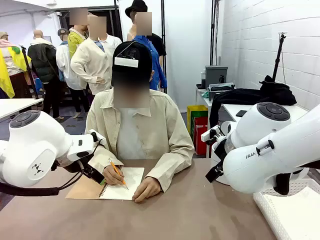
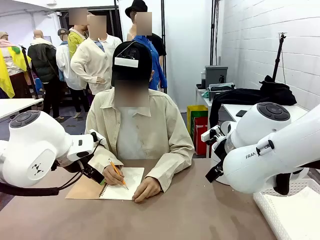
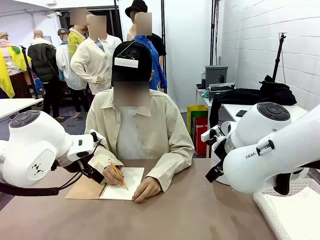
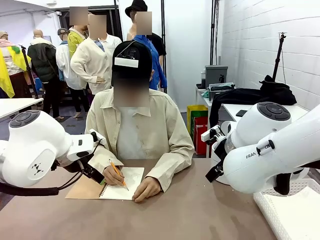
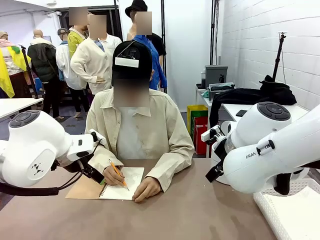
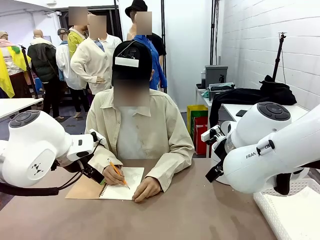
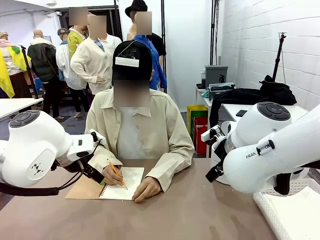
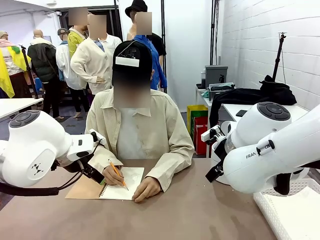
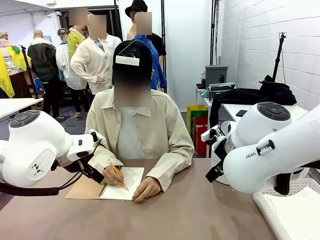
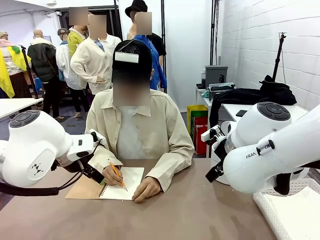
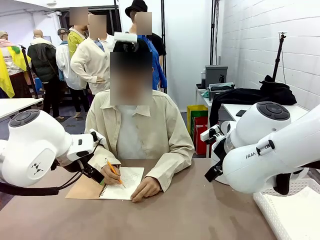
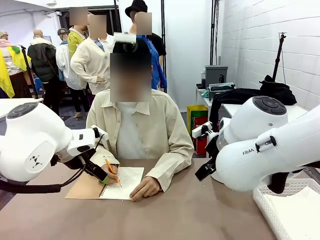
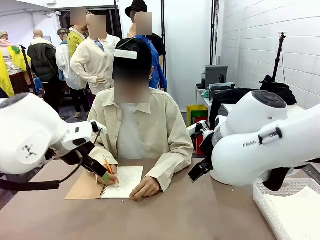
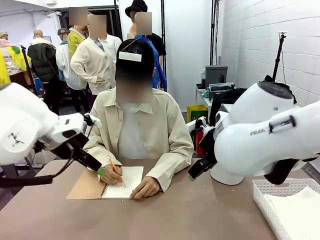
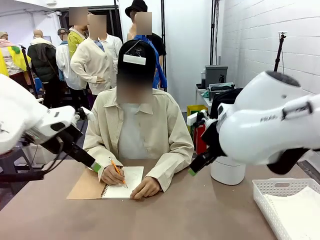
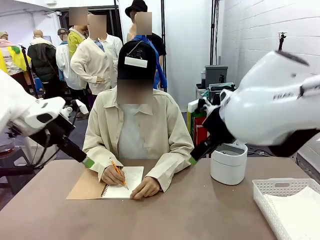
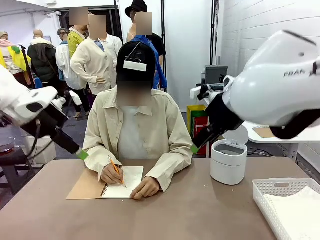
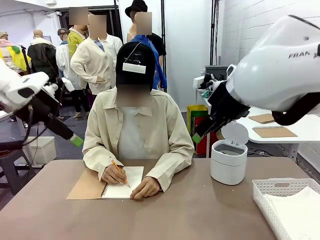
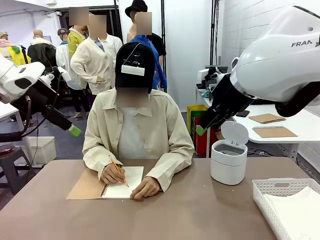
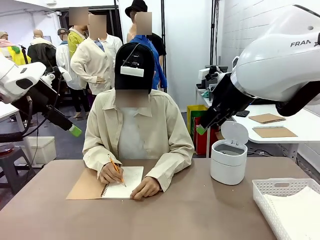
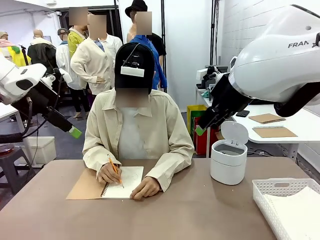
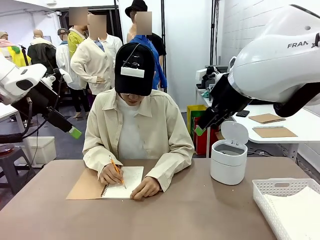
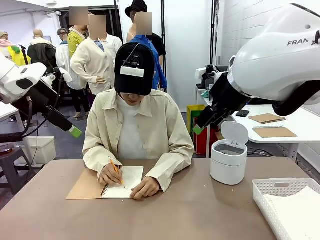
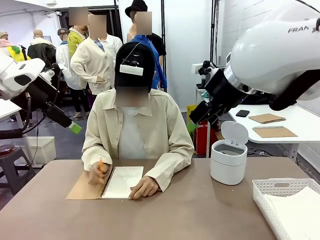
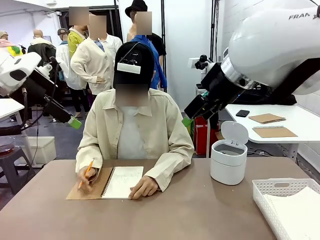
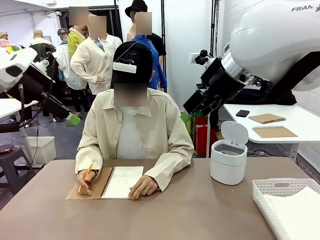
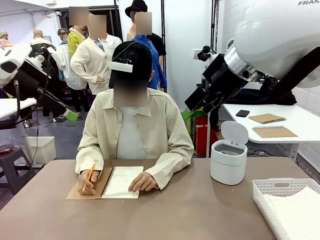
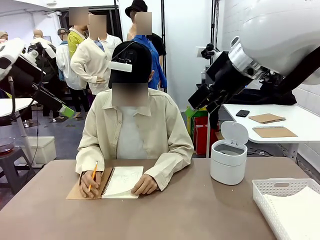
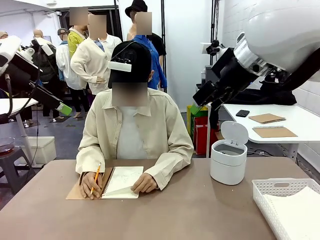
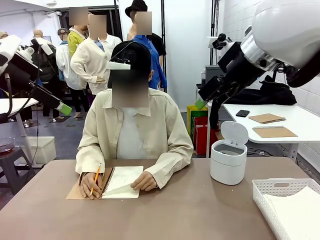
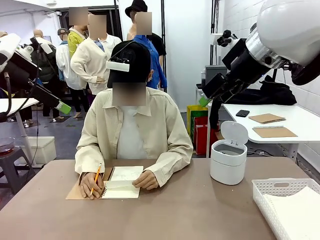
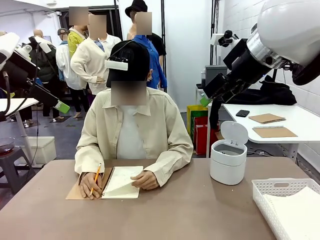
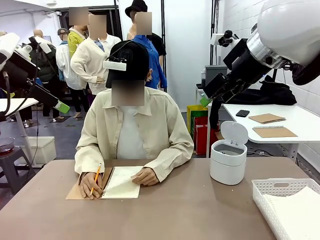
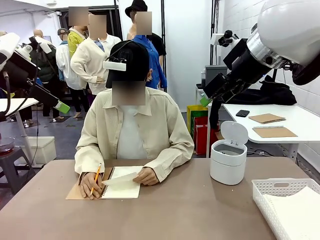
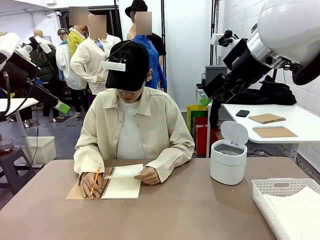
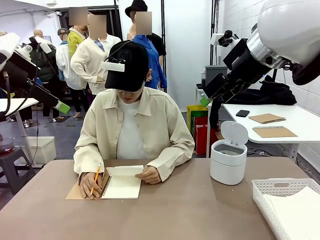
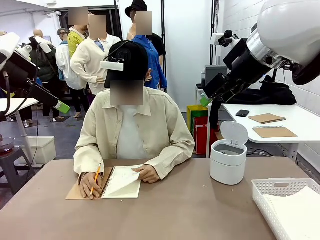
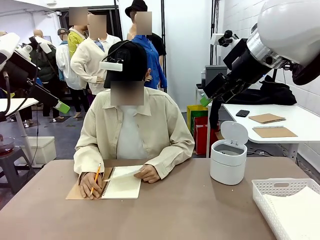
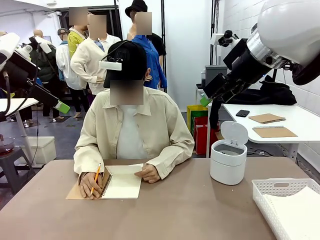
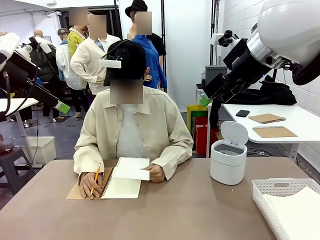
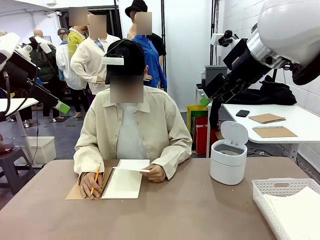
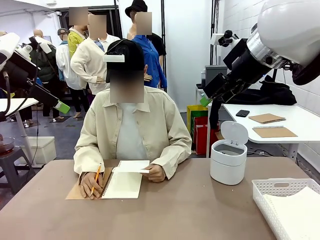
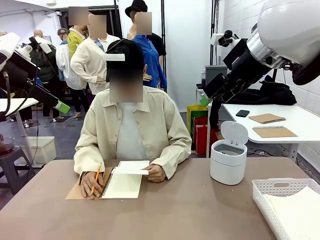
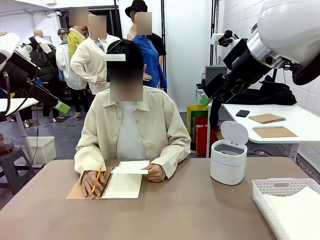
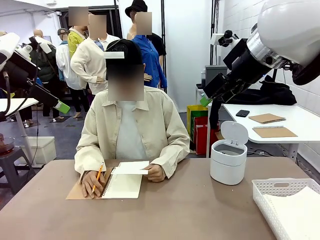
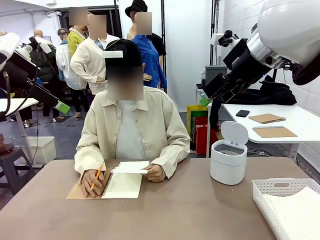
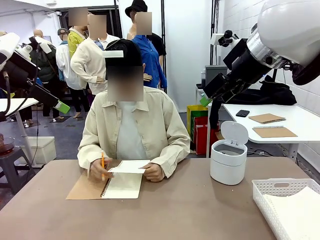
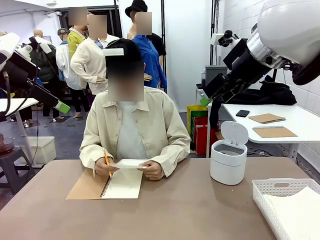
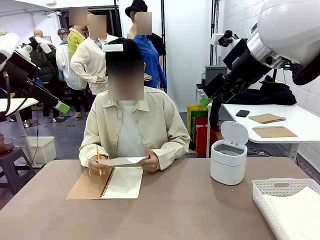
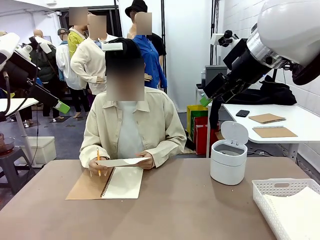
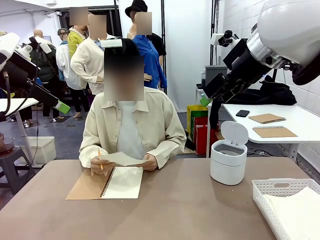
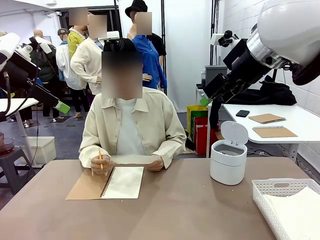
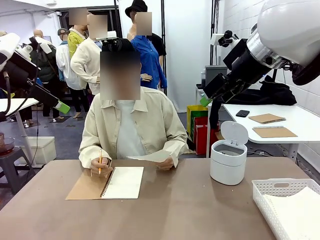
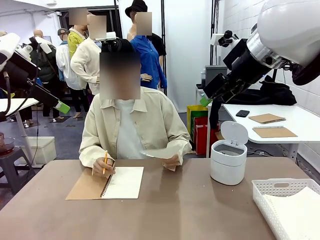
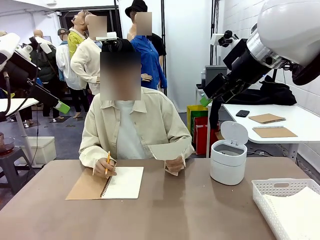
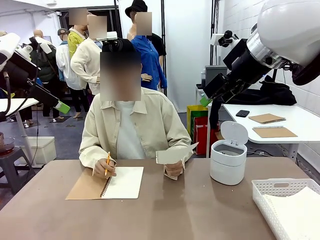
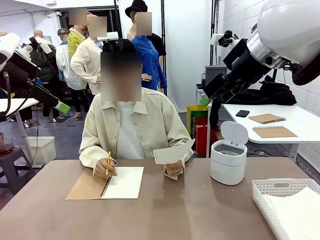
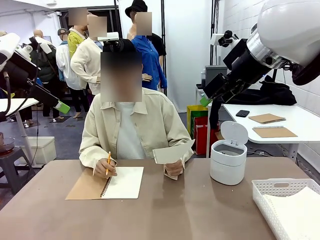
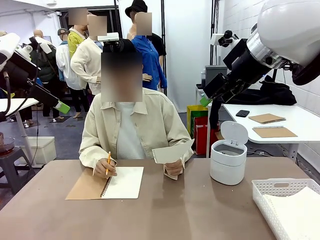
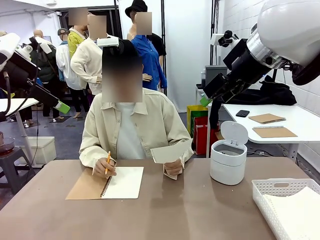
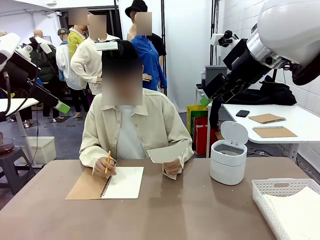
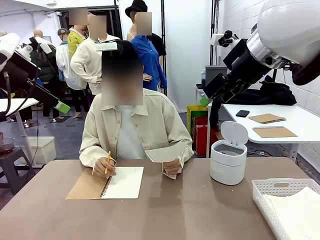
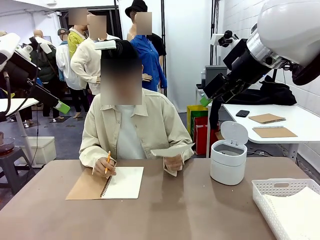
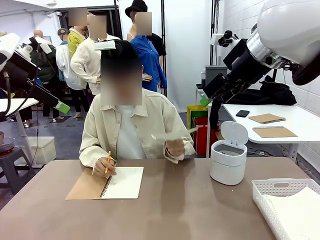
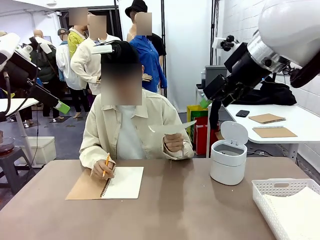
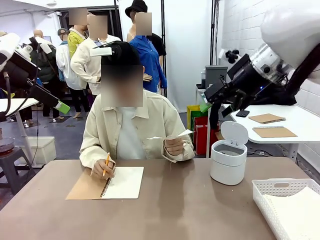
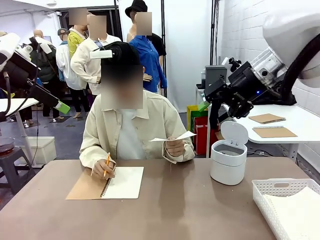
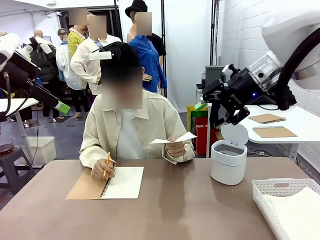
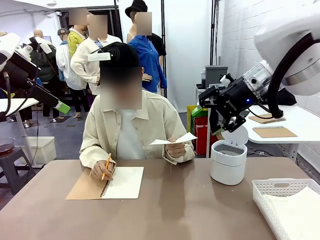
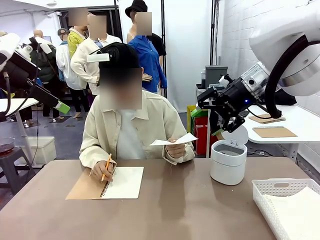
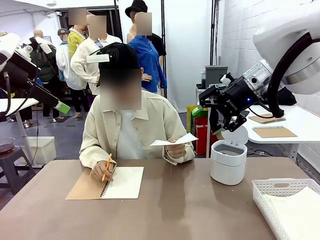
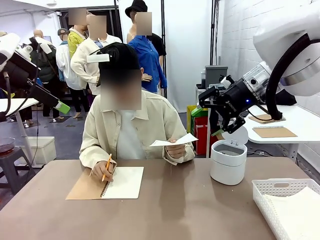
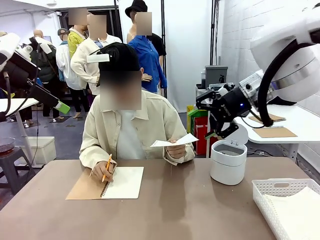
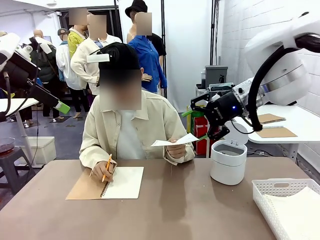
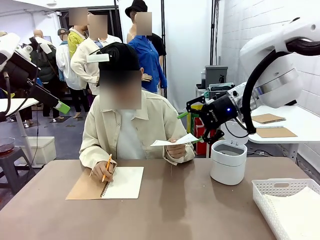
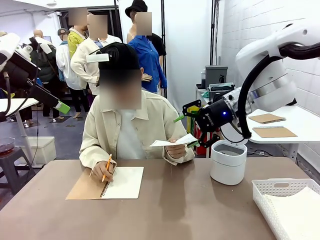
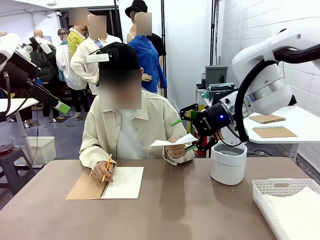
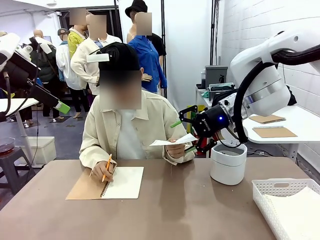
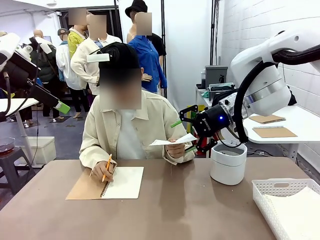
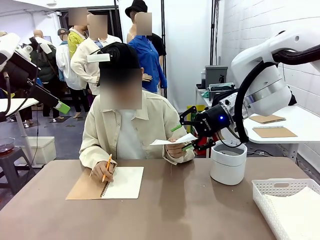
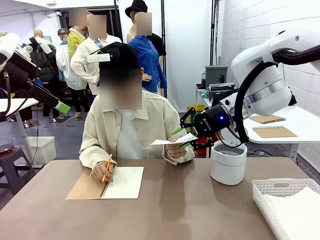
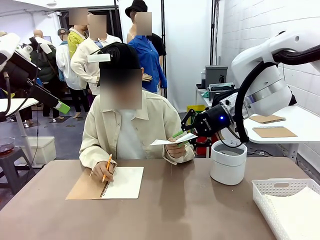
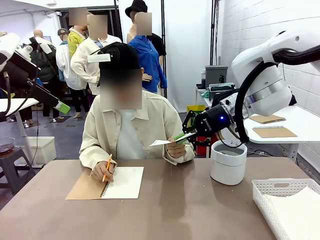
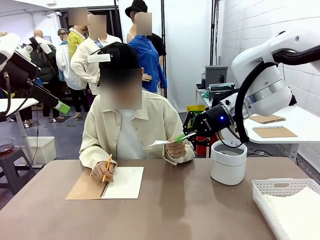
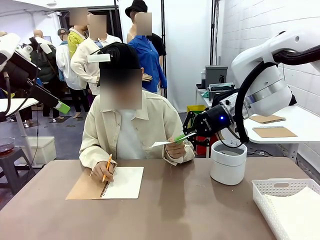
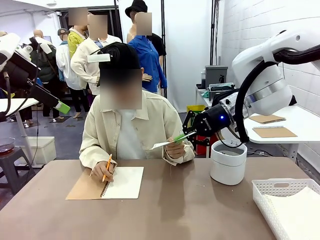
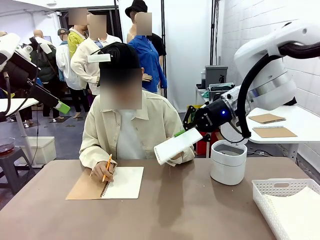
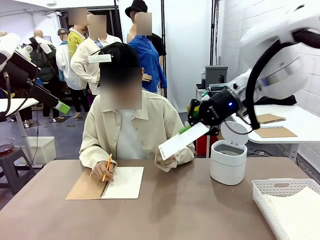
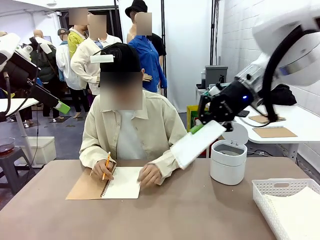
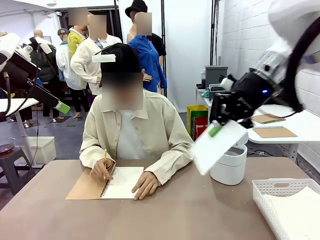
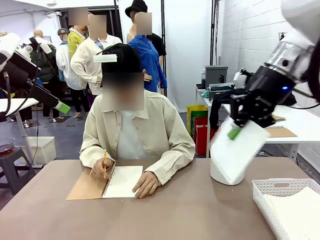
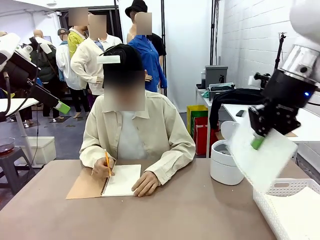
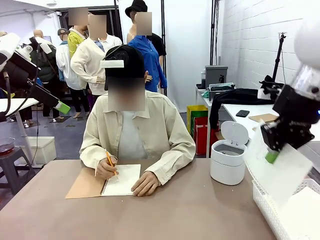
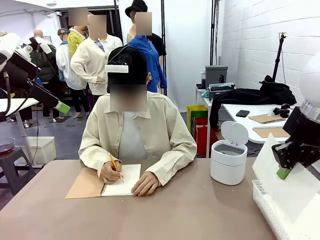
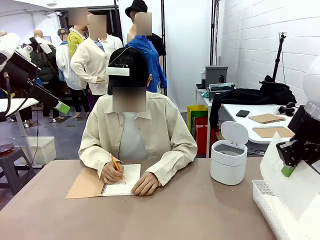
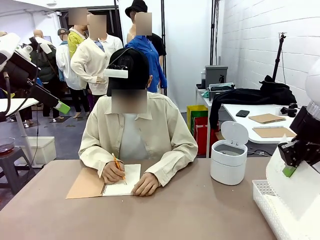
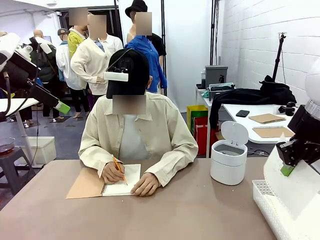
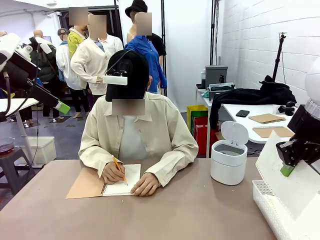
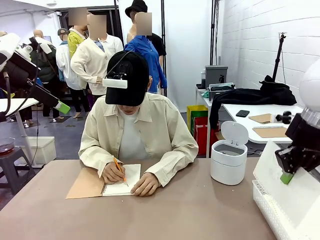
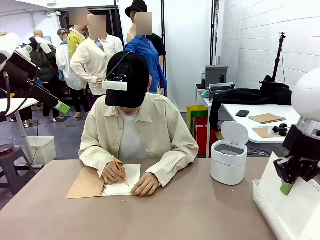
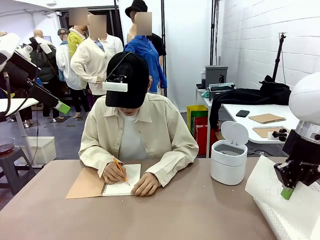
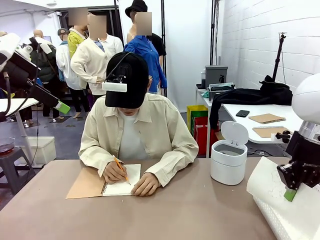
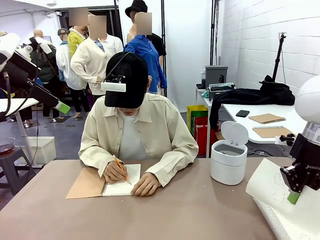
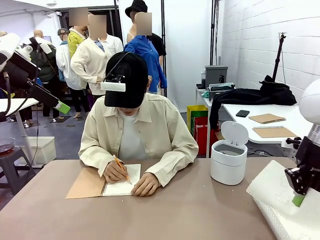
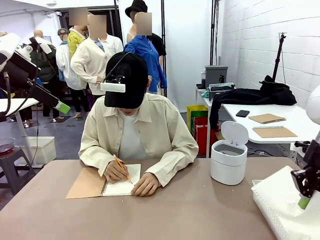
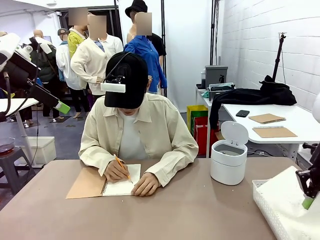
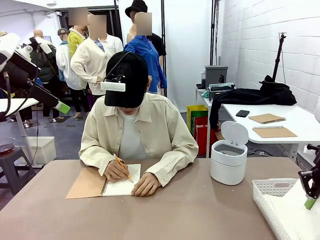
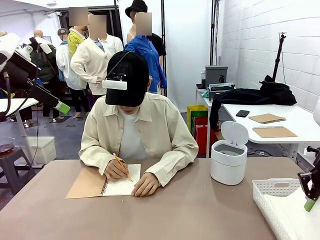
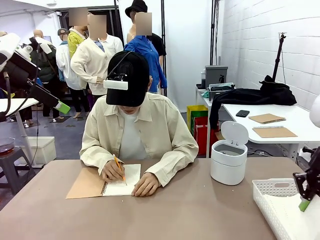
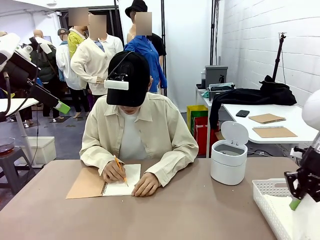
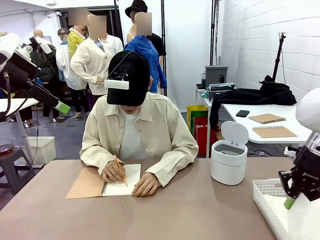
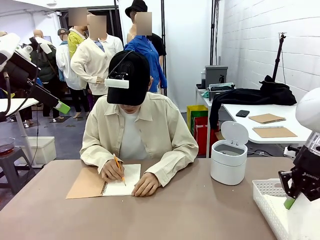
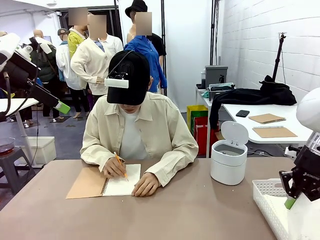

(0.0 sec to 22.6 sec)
Task: Sort the paper based on its condition.
Robot: If a person hands you a paper, place it in the Organizing basket , and if it's crumpled, put it in the Trash can.
Person: Tear out a page from the spiral notebook. Hand the torn page to the robot or crumple it and throw it to the center of the table. Tear out a page from the spiral notebook.
